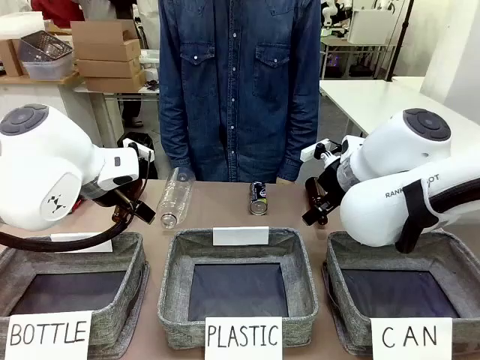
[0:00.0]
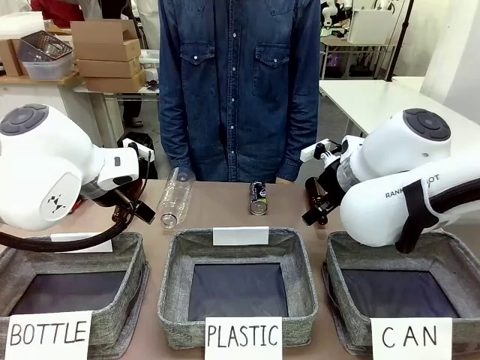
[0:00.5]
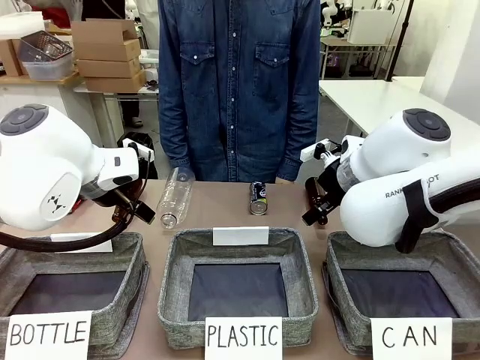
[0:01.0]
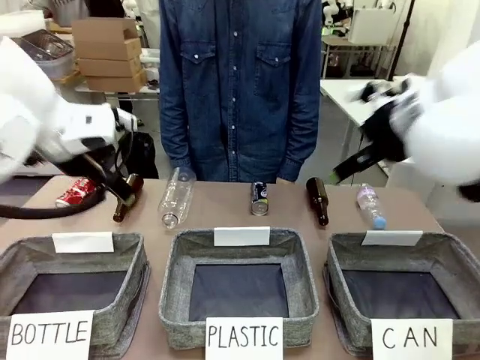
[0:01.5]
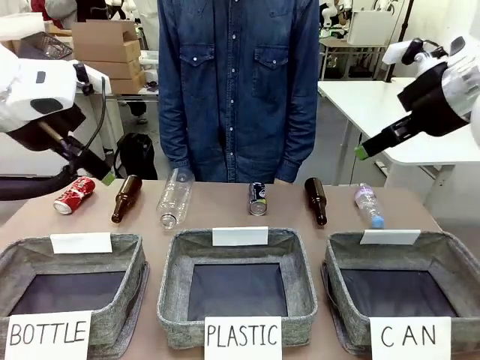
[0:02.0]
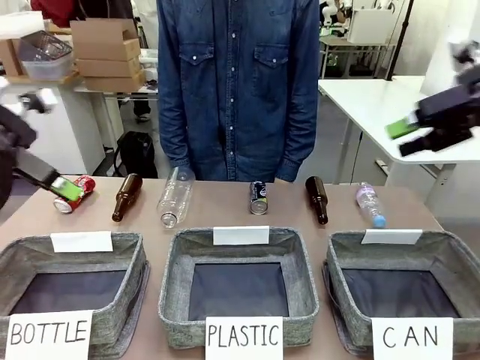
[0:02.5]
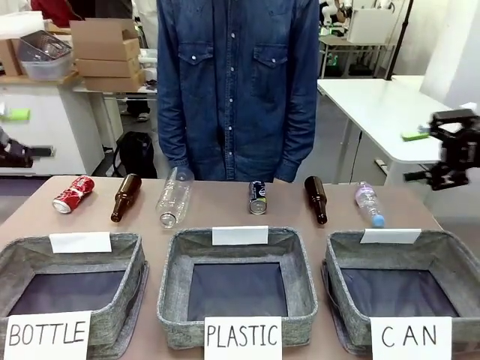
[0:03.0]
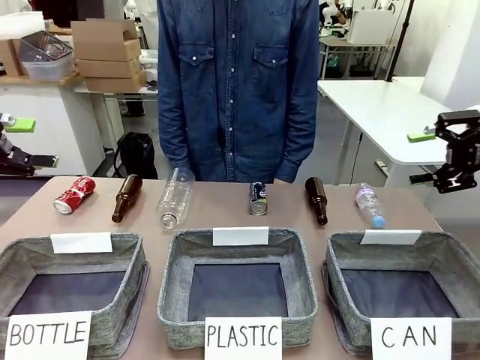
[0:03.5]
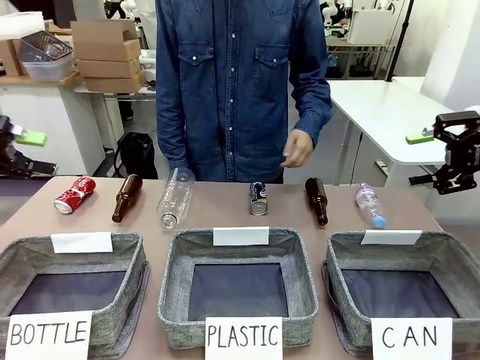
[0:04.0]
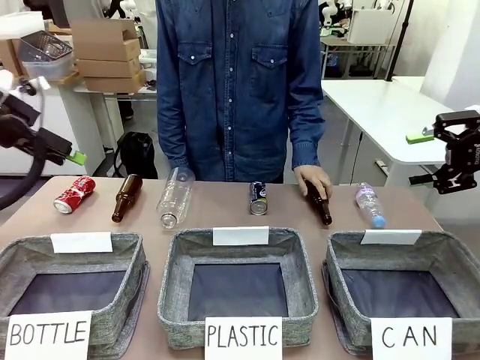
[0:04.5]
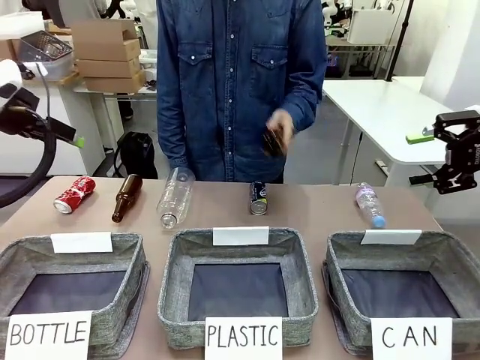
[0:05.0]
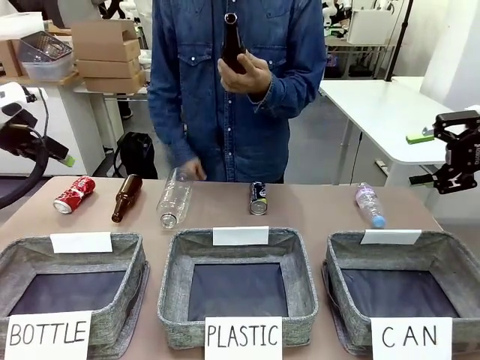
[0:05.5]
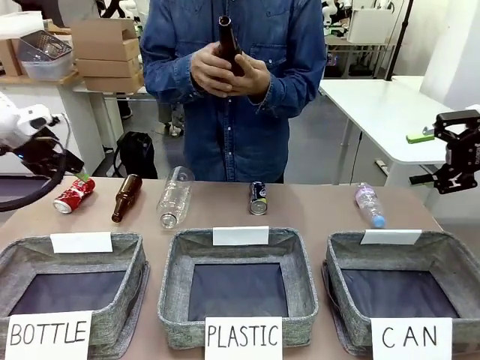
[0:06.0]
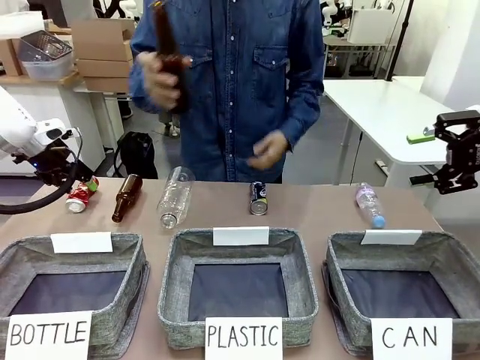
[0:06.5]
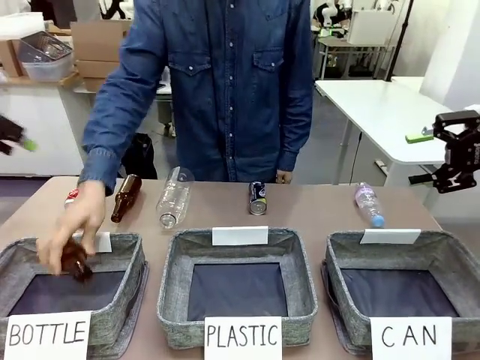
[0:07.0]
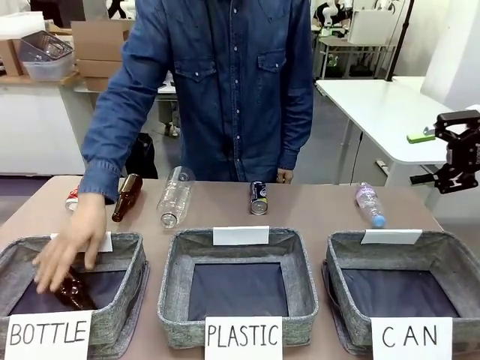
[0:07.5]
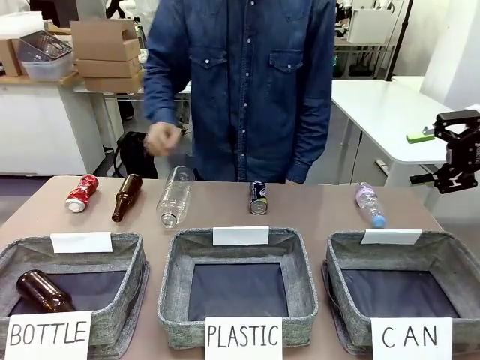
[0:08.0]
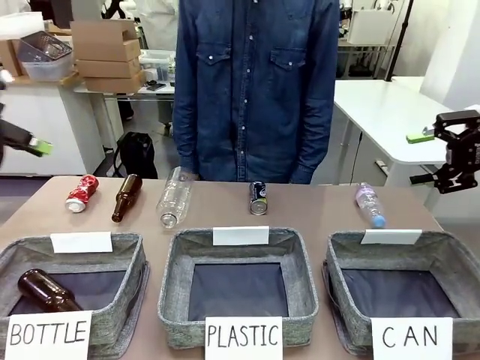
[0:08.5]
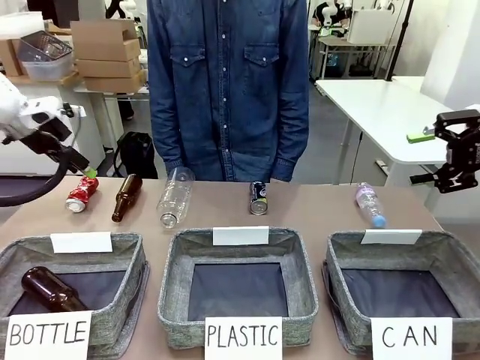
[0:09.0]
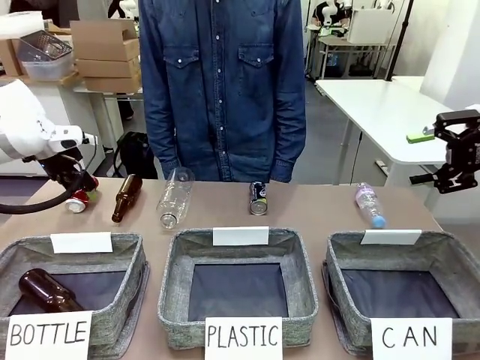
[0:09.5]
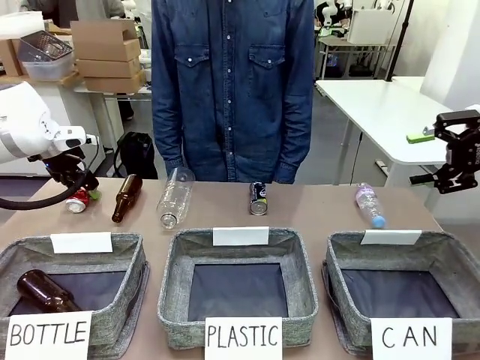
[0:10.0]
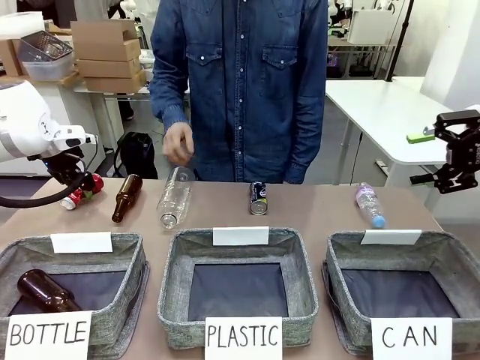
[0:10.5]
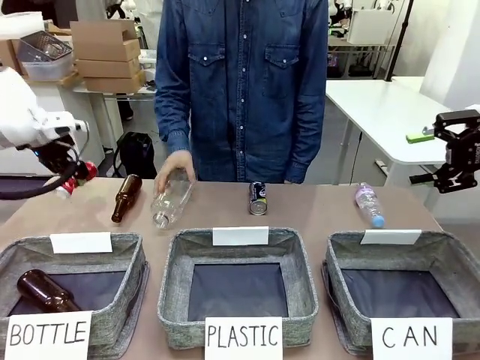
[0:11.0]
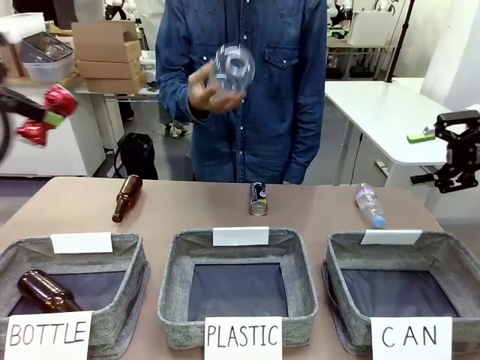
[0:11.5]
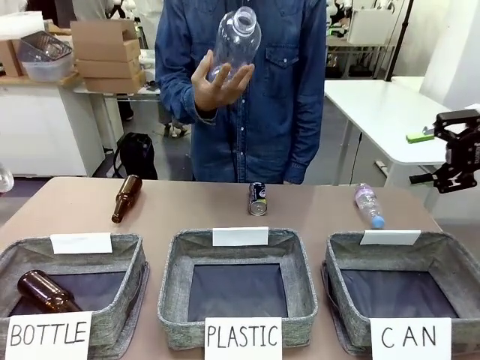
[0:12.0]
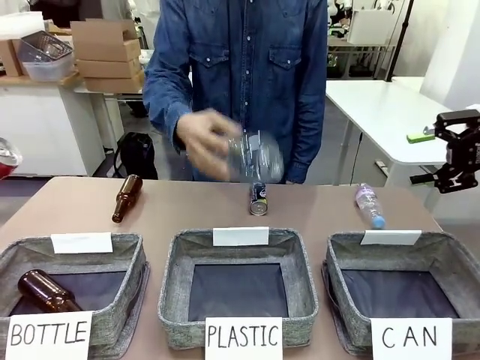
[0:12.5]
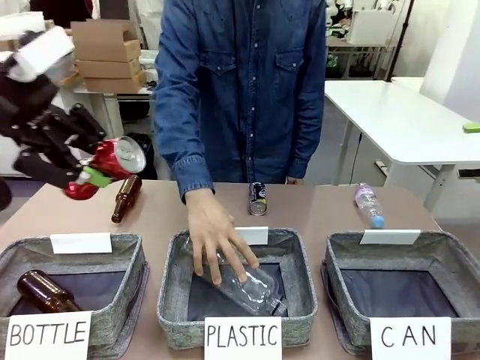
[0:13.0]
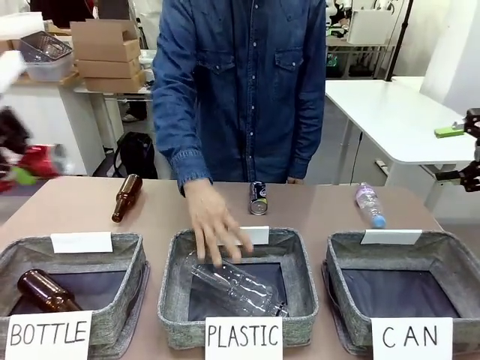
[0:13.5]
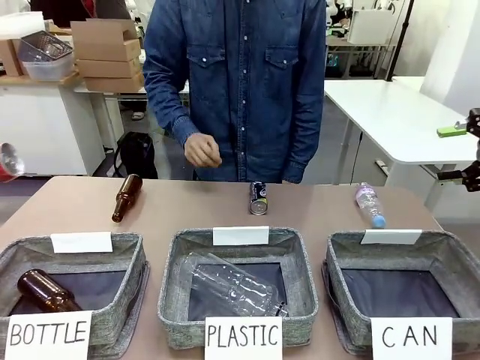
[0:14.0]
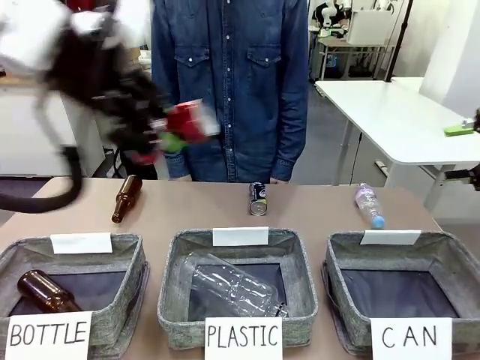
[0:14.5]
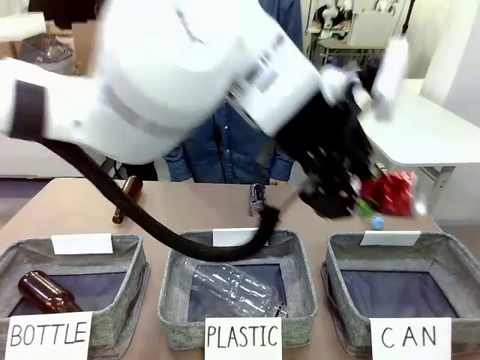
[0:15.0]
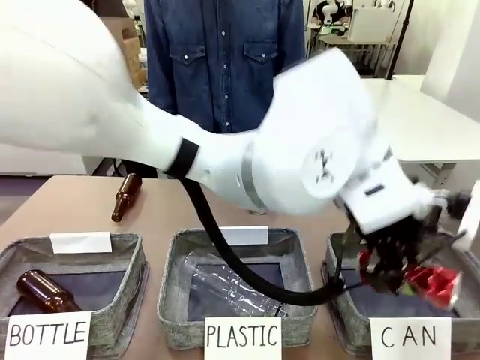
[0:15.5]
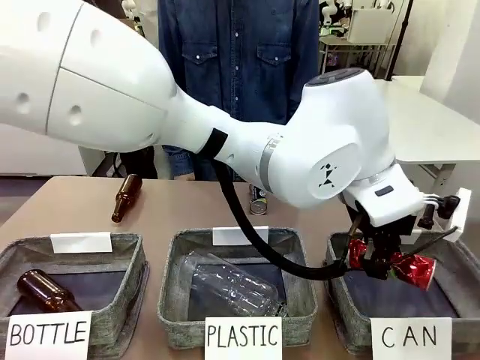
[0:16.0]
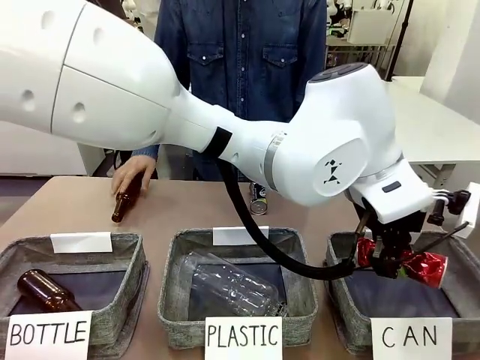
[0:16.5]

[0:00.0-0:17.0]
Task: Sort the can waste into the basket.
Robot: Pick up the can waste from the table and place it in the right Fabric basket.
